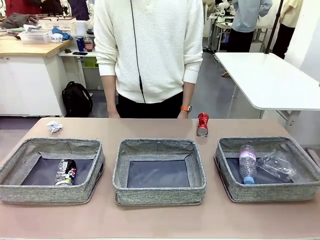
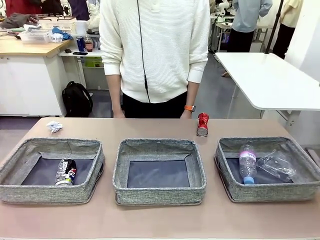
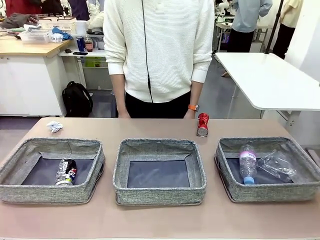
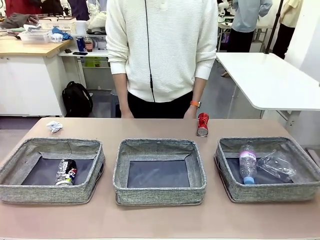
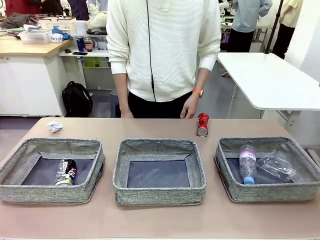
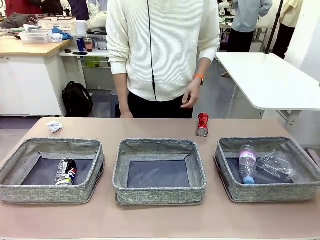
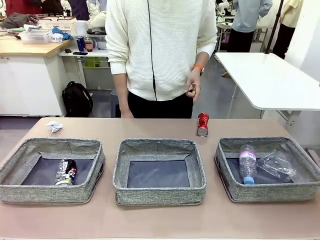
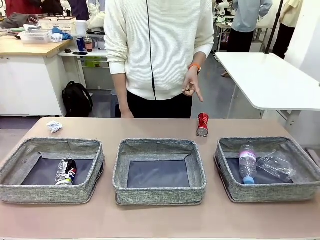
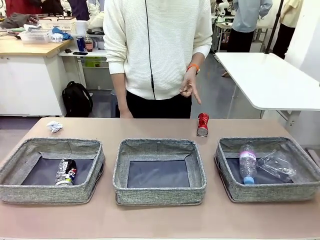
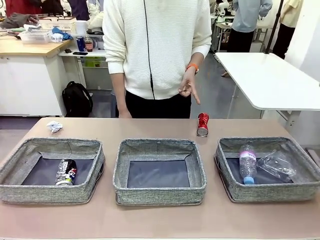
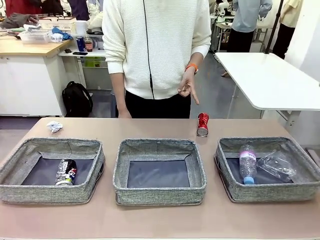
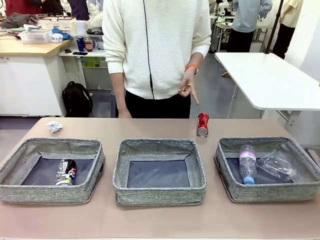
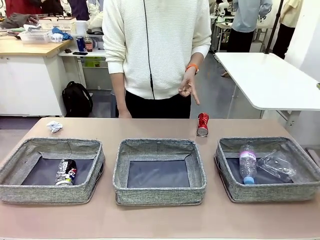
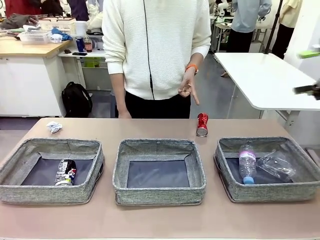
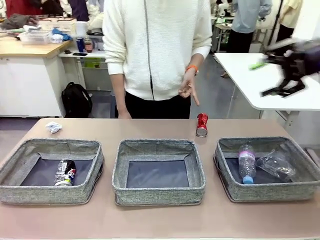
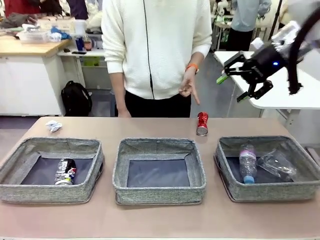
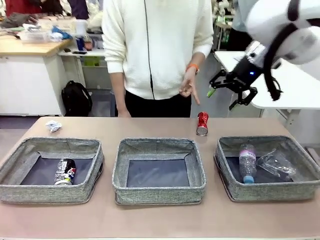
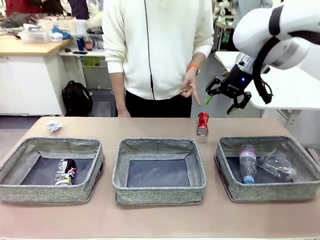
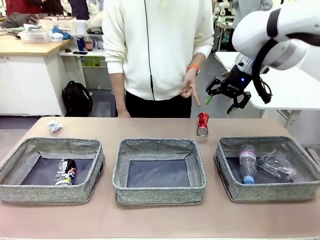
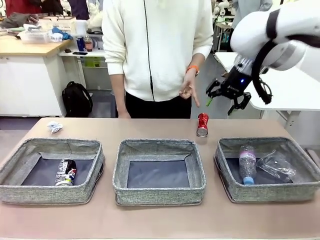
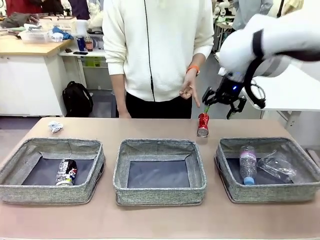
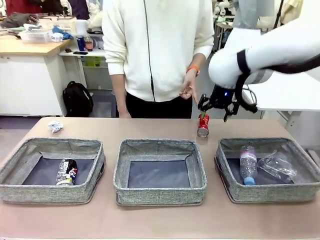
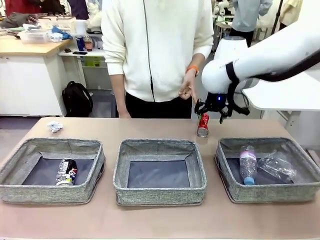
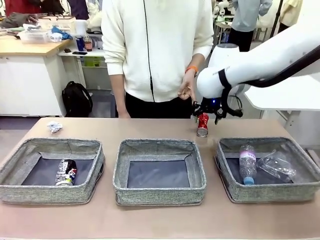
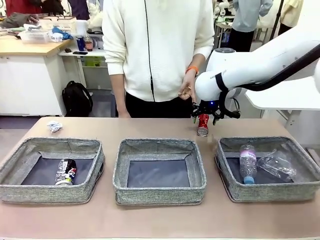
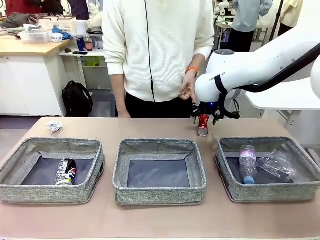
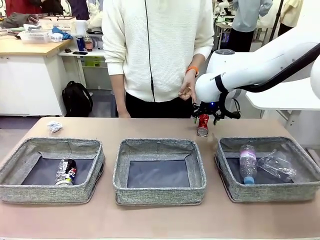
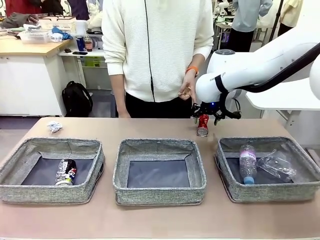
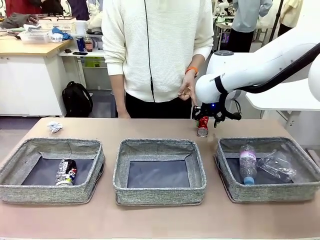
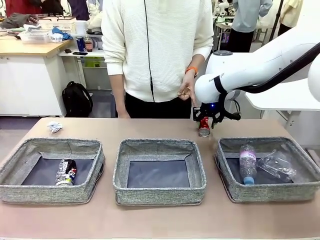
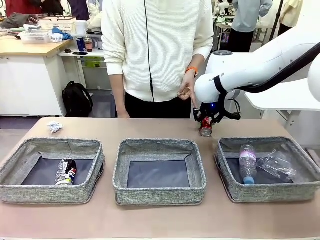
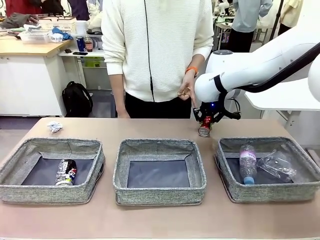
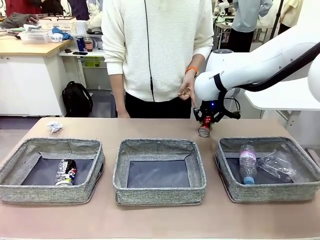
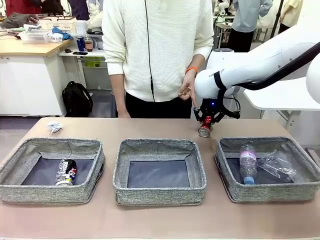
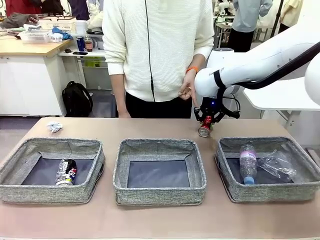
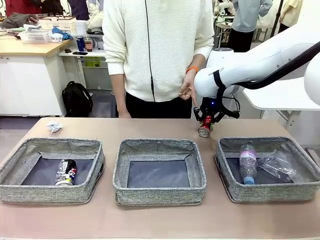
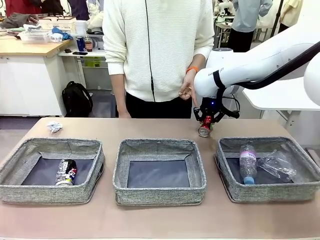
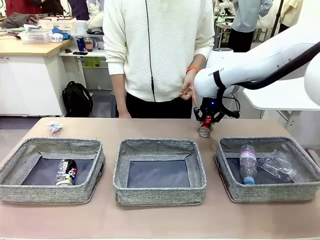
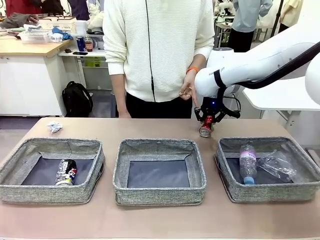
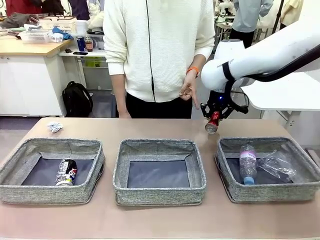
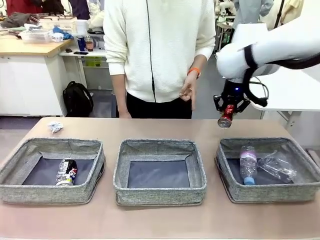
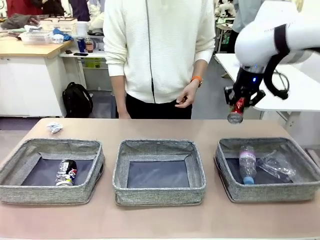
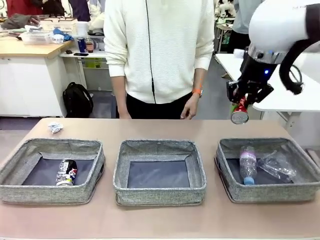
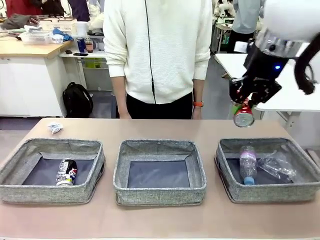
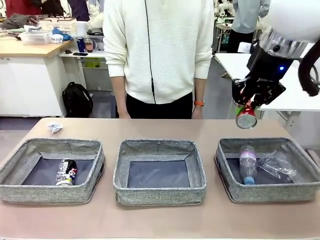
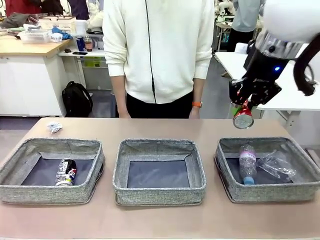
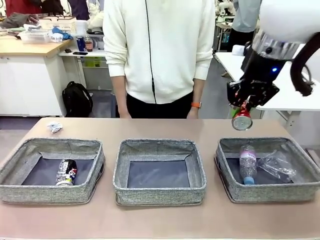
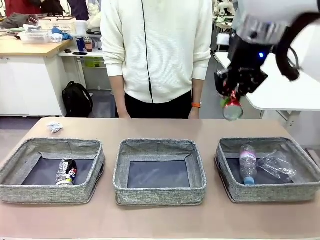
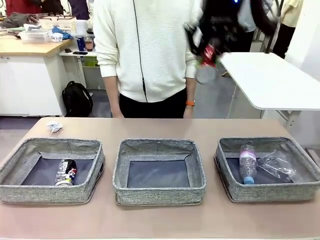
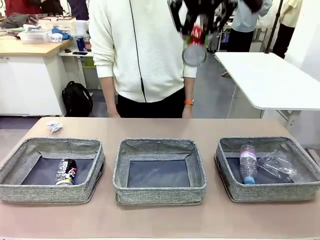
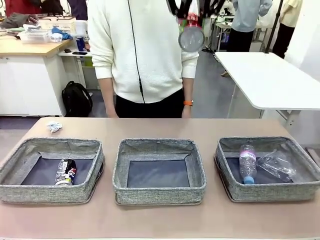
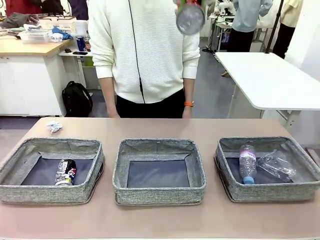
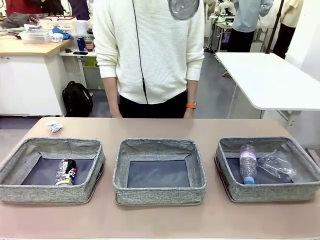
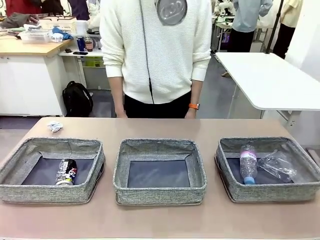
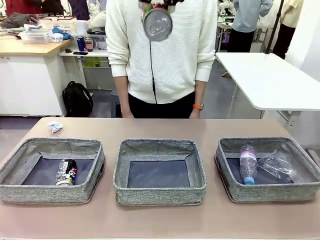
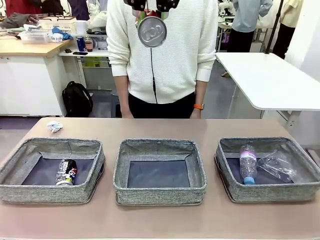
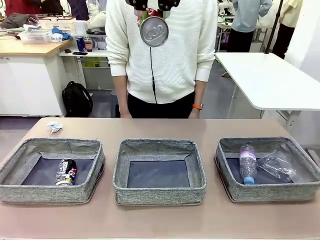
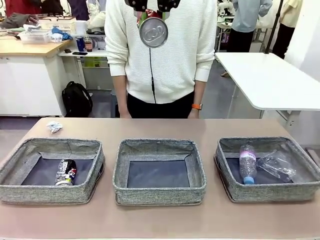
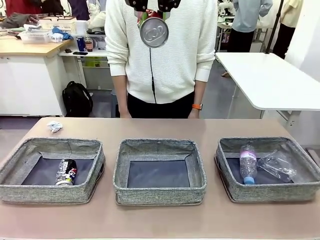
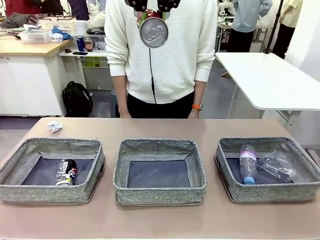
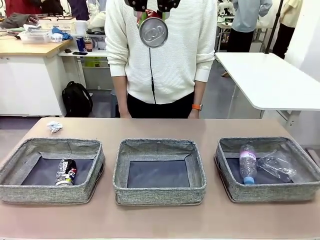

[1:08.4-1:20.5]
Task: Sort the waste into the appropriate baskets.
Robot: Pick up the waste item pointed out by the person.
Person: Points to one piece of trash on the table.

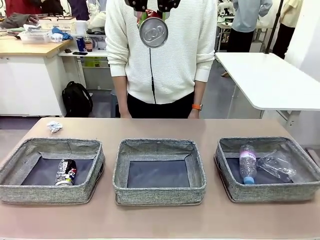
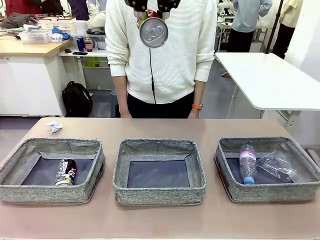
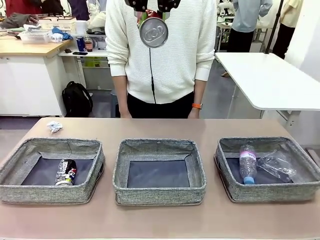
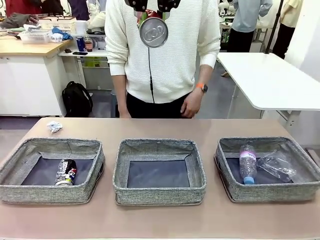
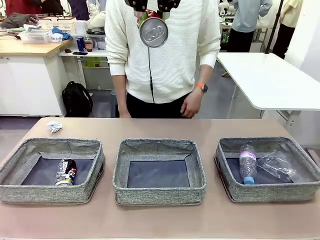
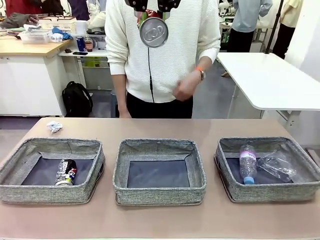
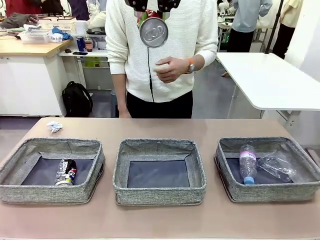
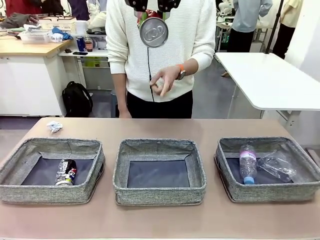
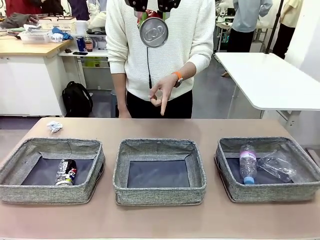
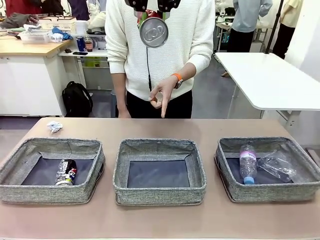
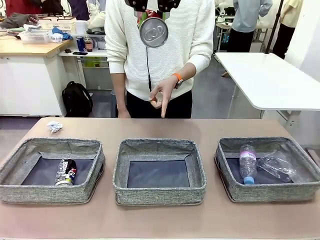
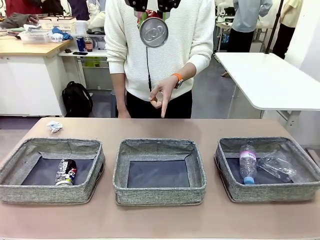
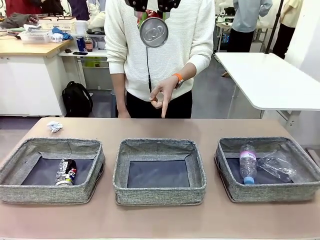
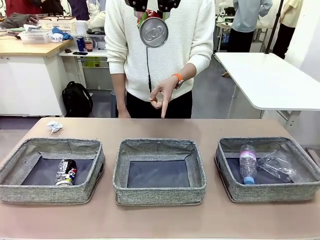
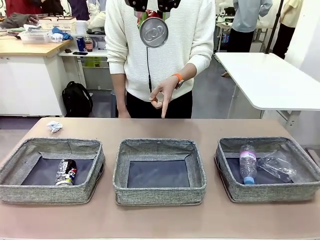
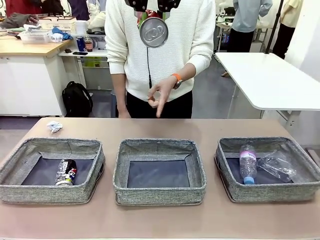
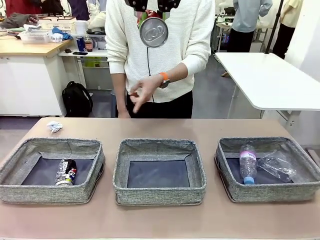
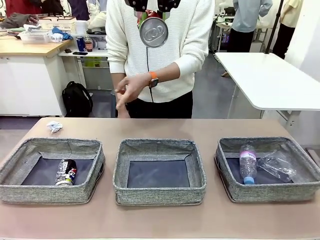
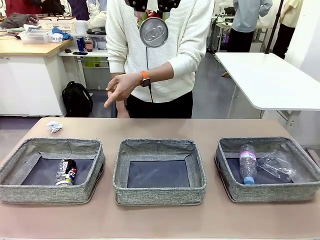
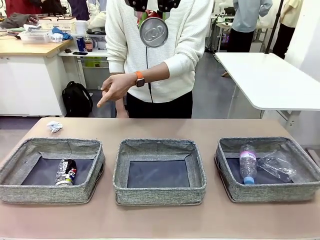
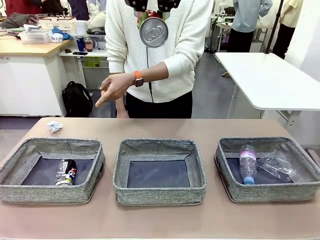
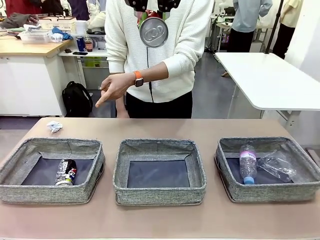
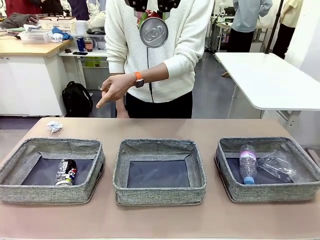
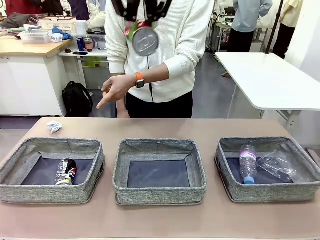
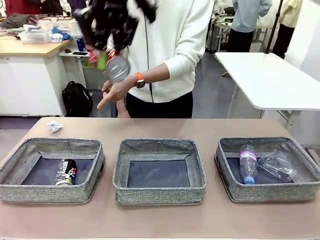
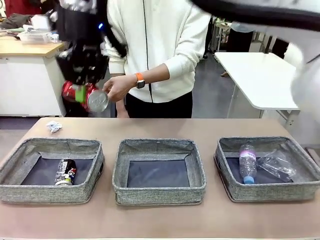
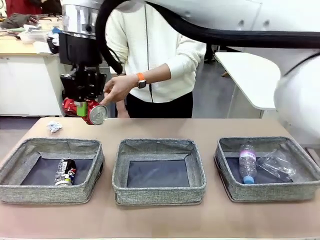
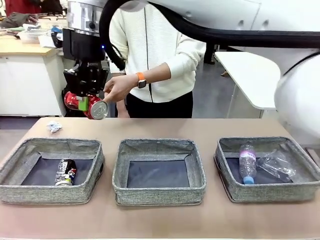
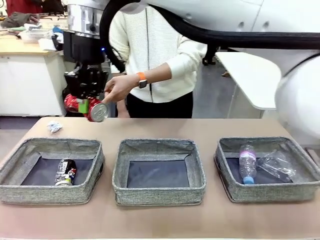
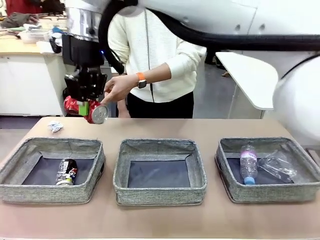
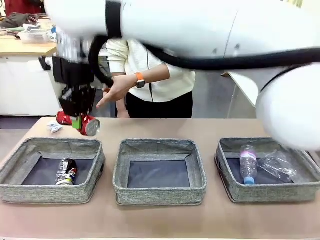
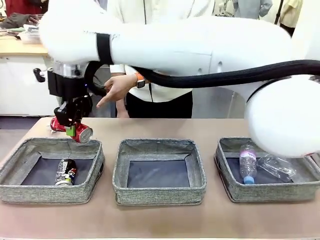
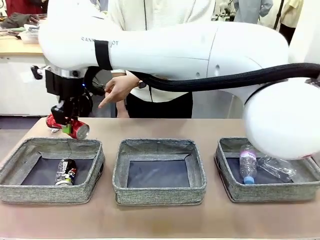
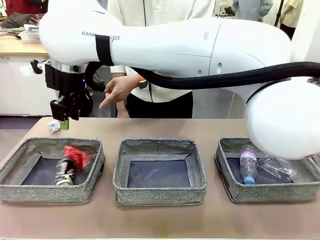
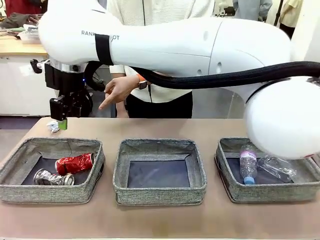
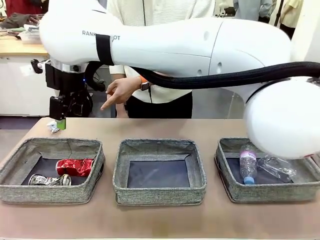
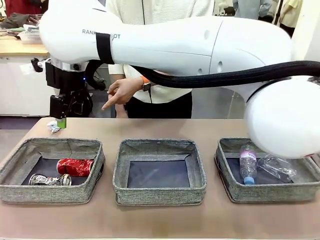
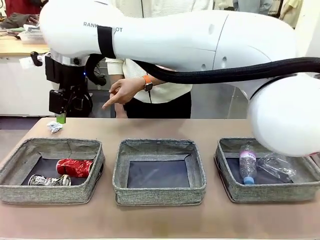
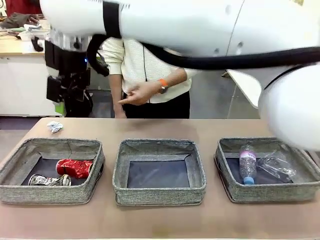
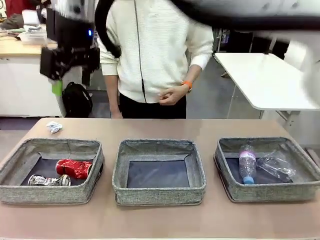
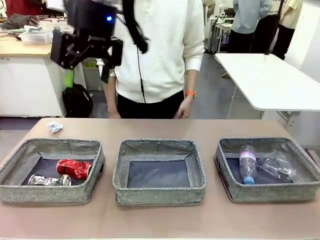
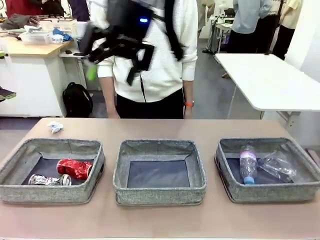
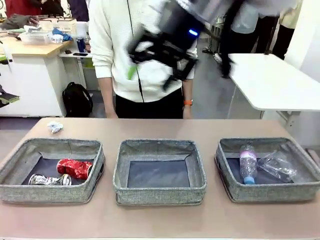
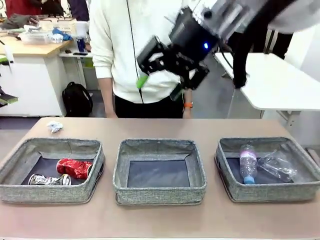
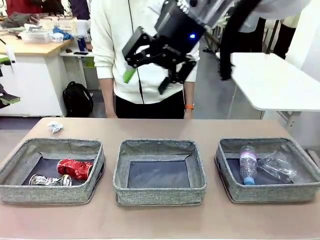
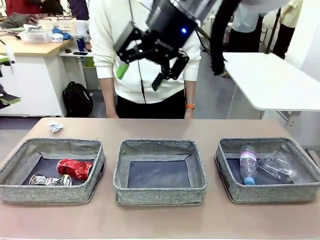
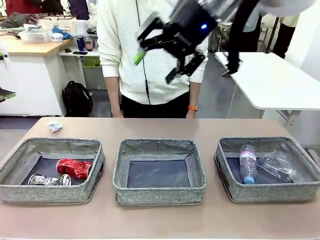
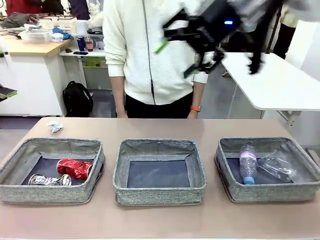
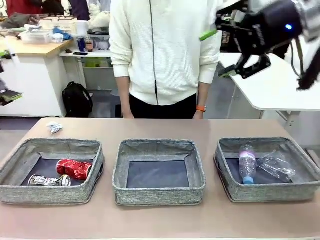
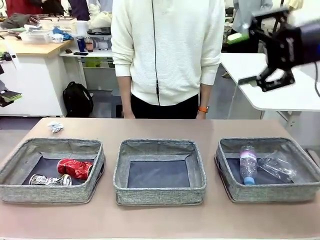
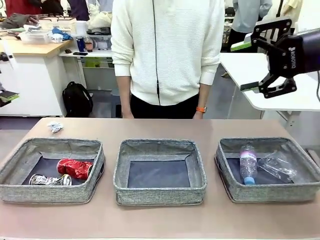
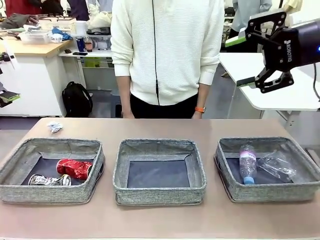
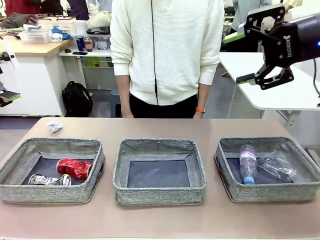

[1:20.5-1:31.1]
Robot: Place the picked waste into the Fabric basket indicated by the person.
Person: Instructs the robot to place the picked-up trash into the appropriate organizing basket.
